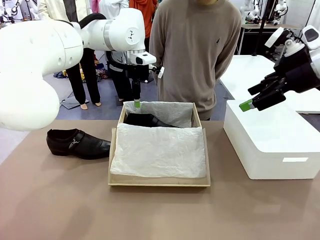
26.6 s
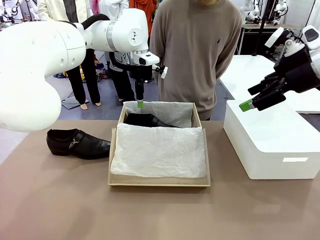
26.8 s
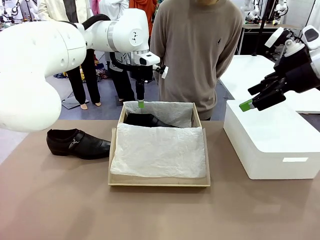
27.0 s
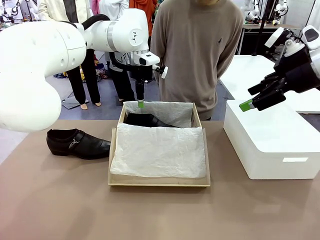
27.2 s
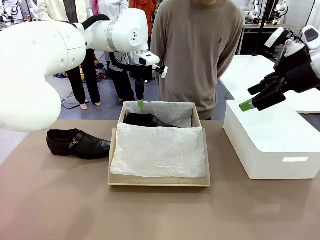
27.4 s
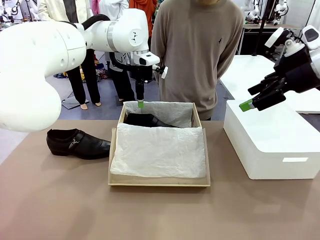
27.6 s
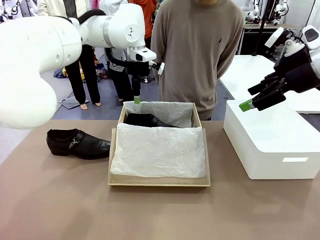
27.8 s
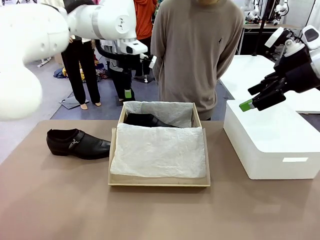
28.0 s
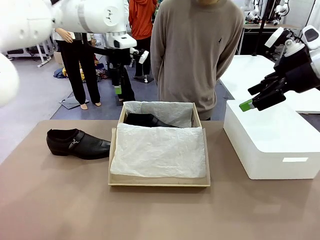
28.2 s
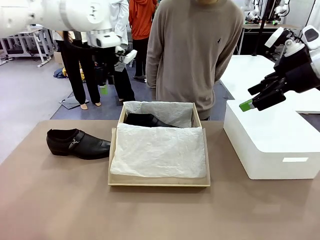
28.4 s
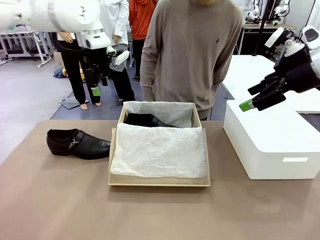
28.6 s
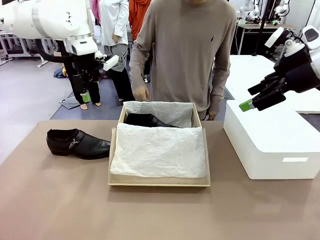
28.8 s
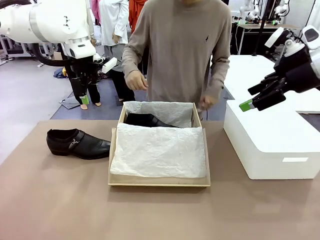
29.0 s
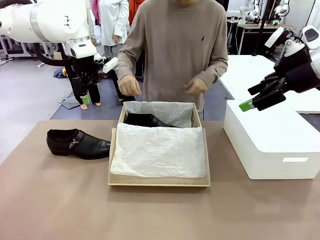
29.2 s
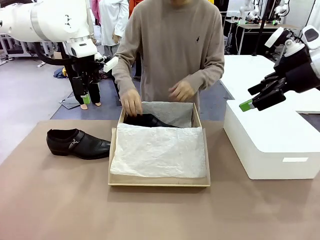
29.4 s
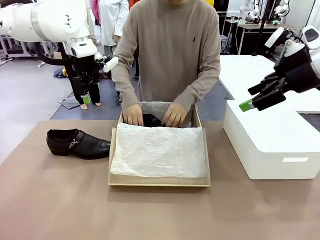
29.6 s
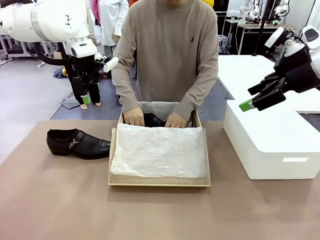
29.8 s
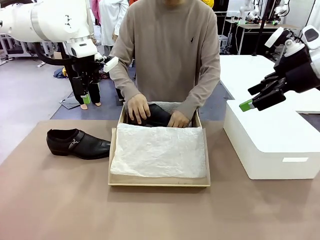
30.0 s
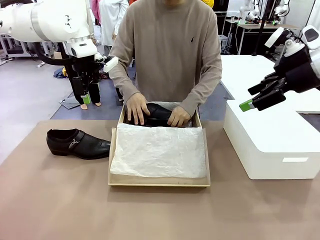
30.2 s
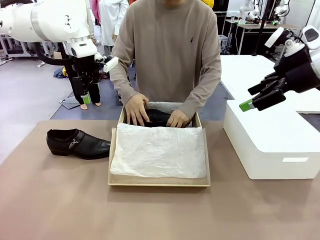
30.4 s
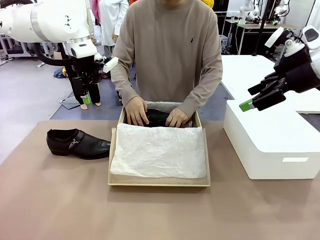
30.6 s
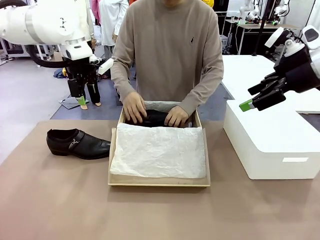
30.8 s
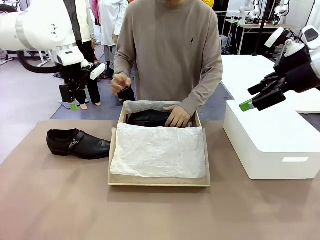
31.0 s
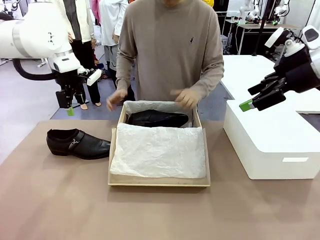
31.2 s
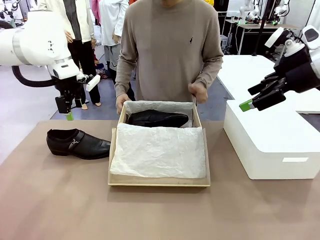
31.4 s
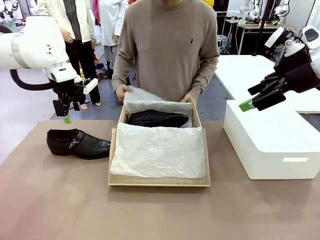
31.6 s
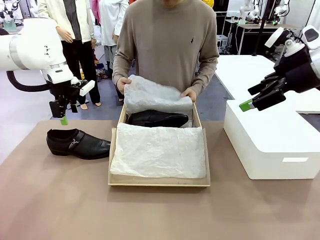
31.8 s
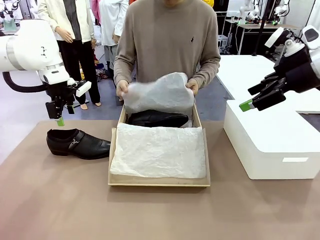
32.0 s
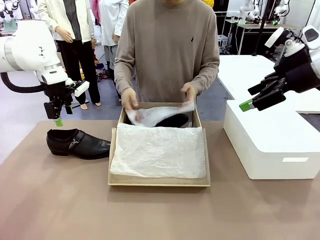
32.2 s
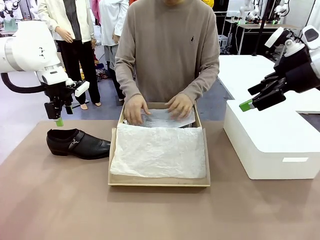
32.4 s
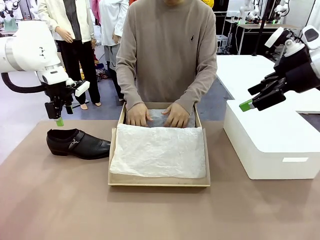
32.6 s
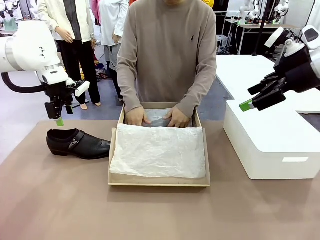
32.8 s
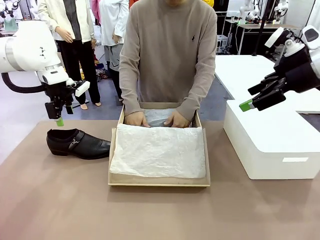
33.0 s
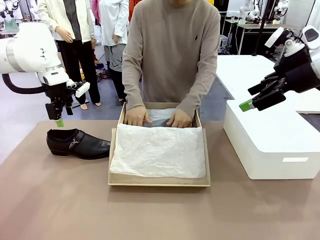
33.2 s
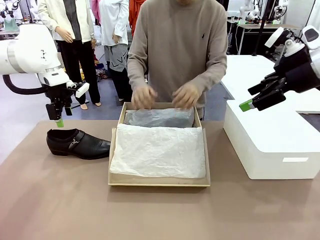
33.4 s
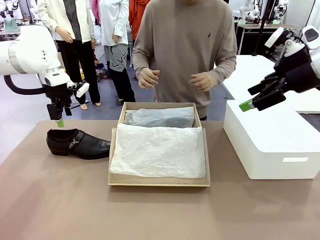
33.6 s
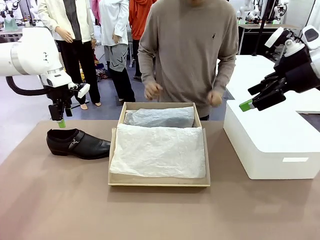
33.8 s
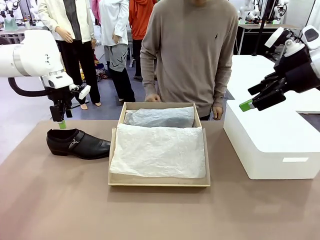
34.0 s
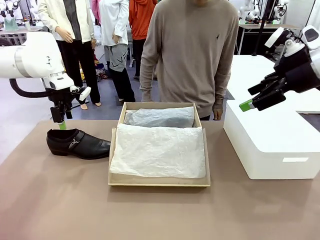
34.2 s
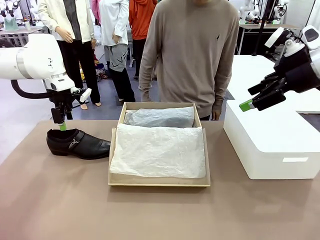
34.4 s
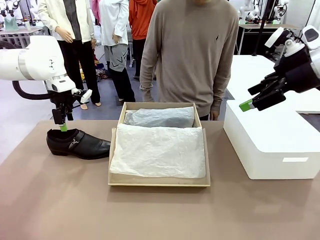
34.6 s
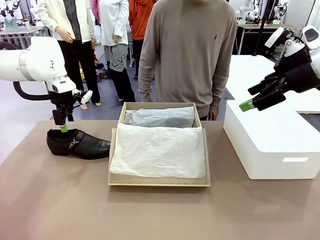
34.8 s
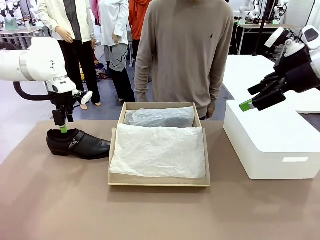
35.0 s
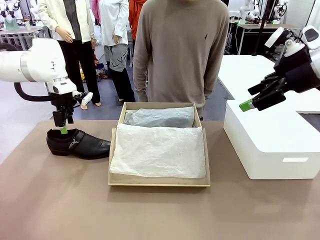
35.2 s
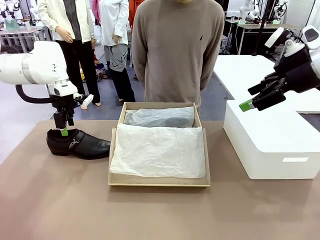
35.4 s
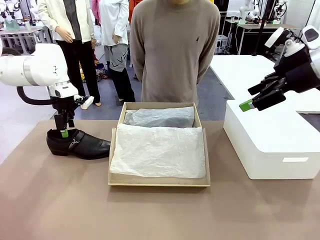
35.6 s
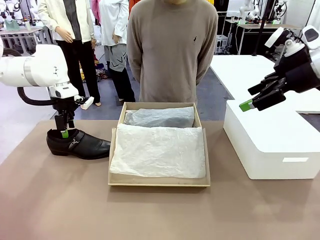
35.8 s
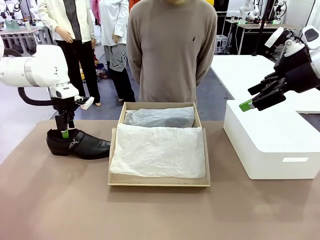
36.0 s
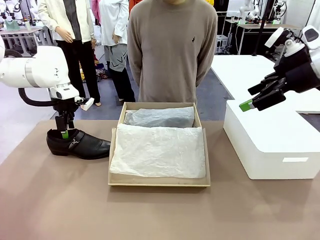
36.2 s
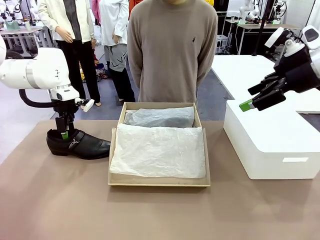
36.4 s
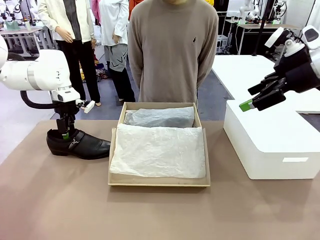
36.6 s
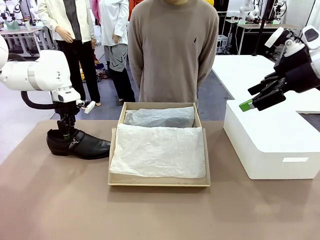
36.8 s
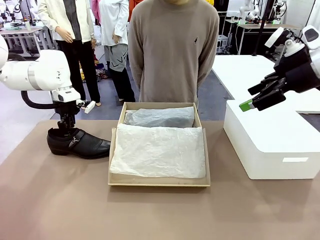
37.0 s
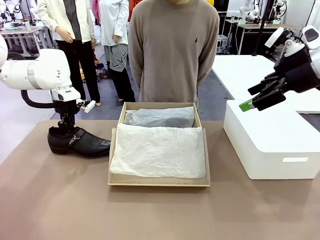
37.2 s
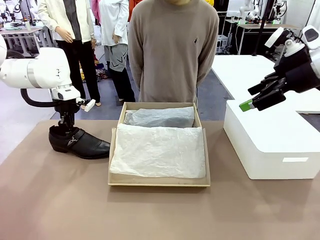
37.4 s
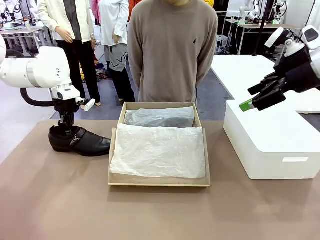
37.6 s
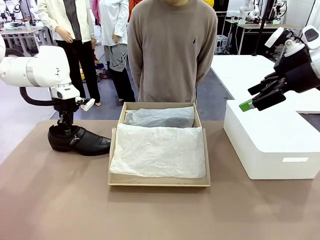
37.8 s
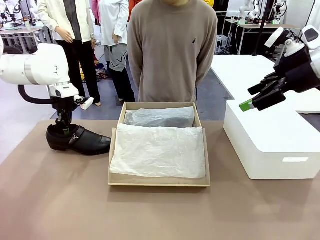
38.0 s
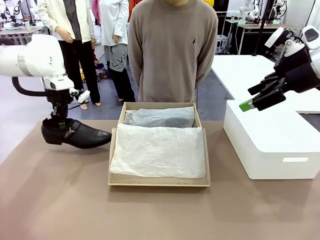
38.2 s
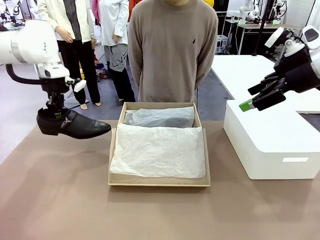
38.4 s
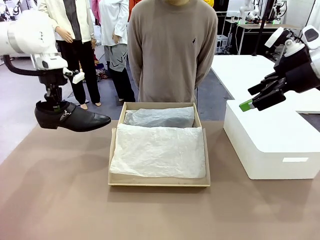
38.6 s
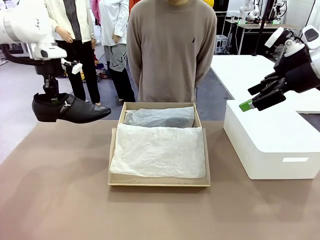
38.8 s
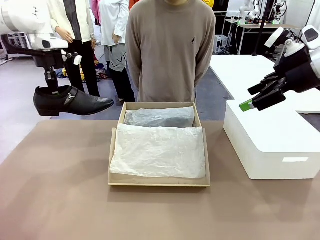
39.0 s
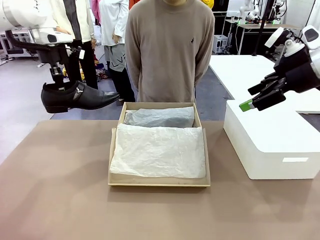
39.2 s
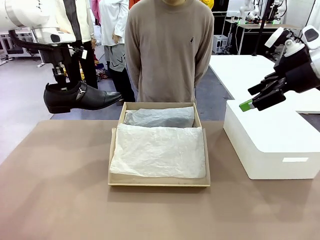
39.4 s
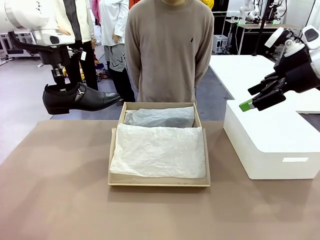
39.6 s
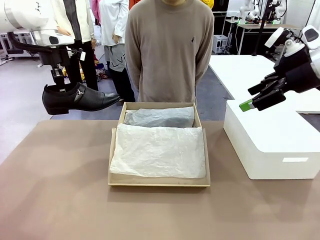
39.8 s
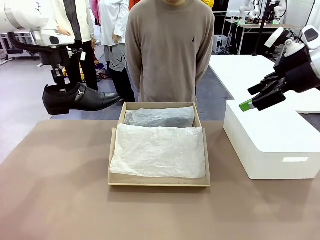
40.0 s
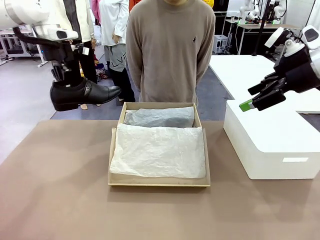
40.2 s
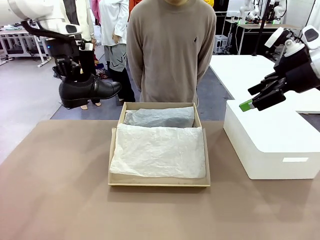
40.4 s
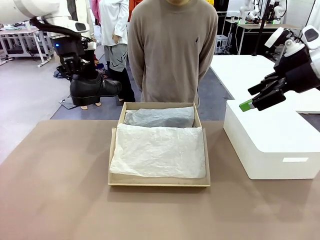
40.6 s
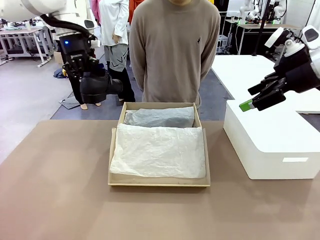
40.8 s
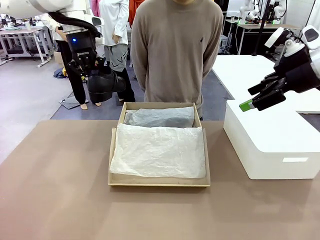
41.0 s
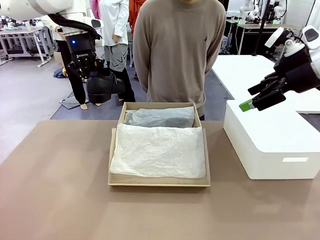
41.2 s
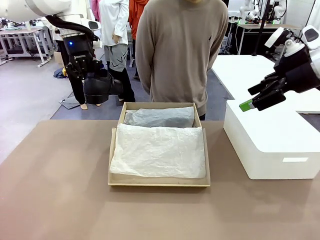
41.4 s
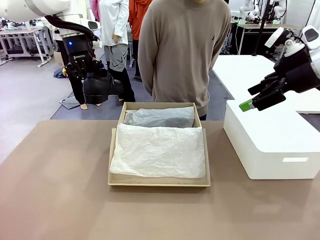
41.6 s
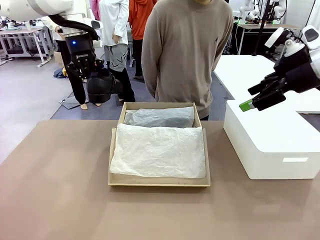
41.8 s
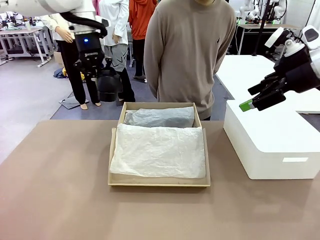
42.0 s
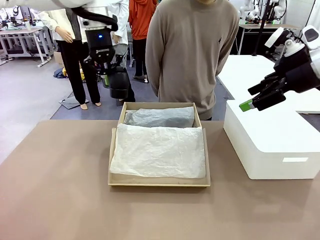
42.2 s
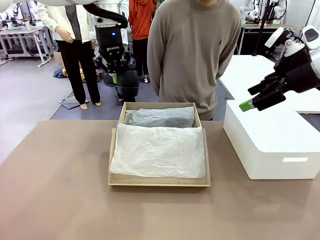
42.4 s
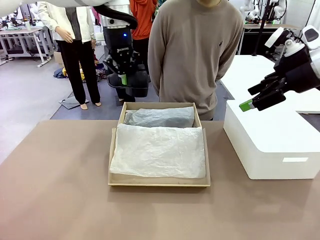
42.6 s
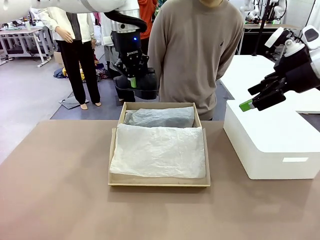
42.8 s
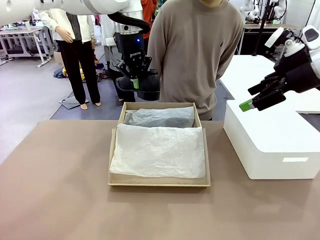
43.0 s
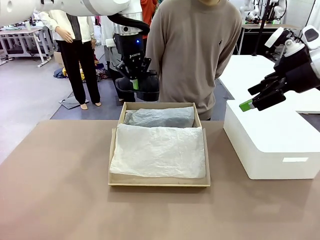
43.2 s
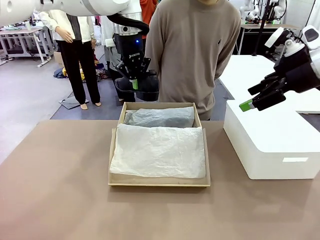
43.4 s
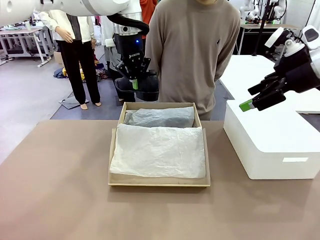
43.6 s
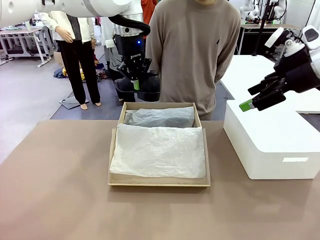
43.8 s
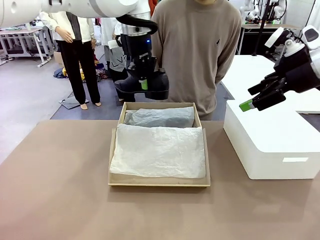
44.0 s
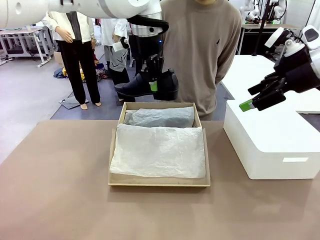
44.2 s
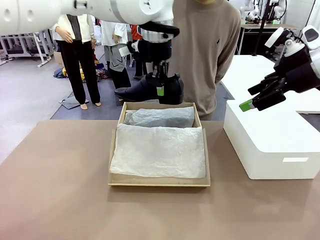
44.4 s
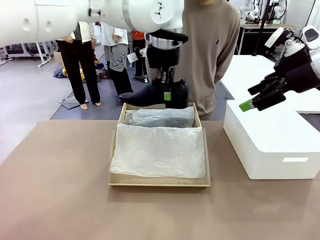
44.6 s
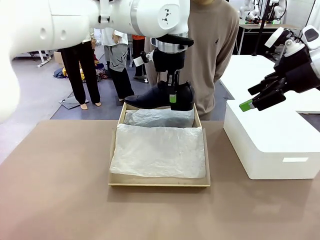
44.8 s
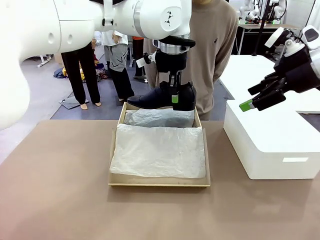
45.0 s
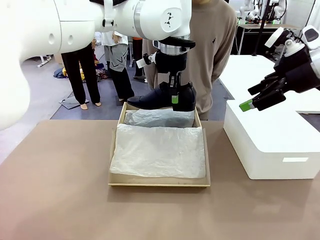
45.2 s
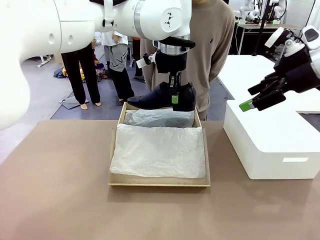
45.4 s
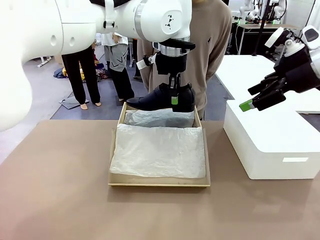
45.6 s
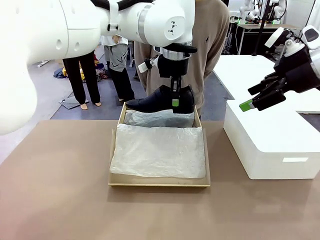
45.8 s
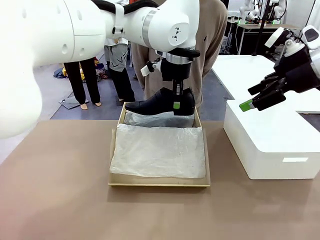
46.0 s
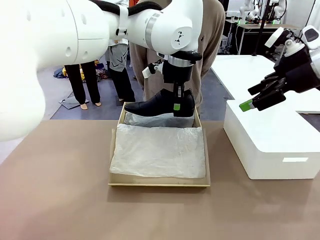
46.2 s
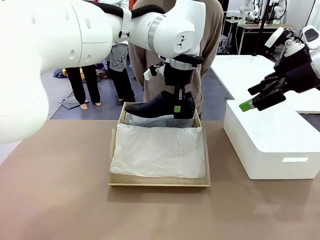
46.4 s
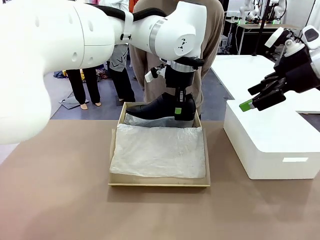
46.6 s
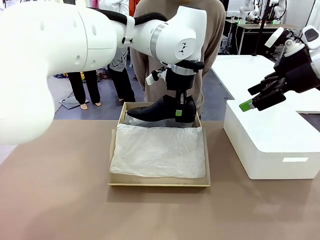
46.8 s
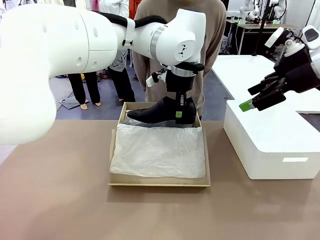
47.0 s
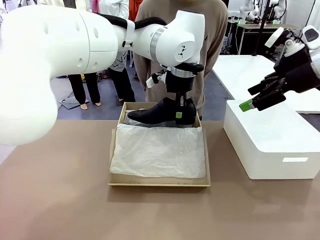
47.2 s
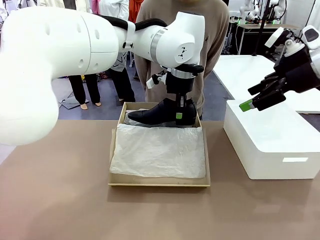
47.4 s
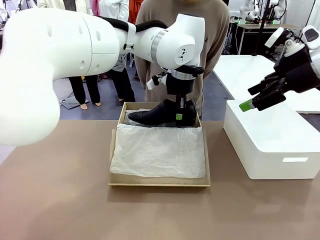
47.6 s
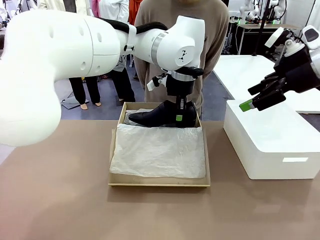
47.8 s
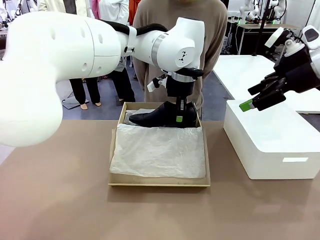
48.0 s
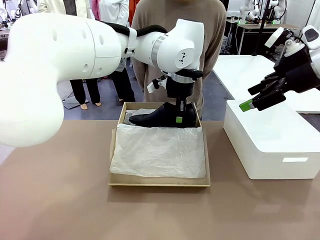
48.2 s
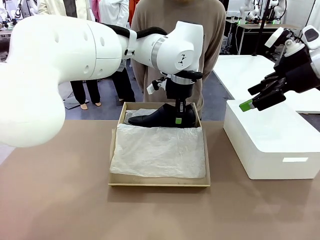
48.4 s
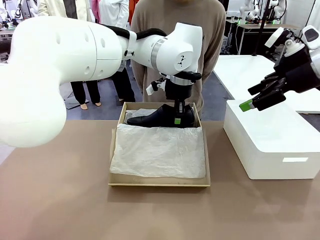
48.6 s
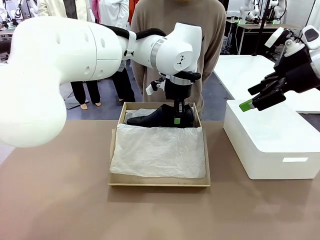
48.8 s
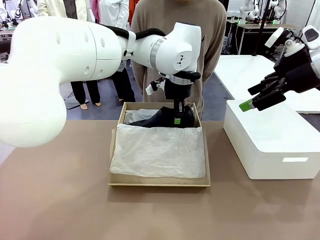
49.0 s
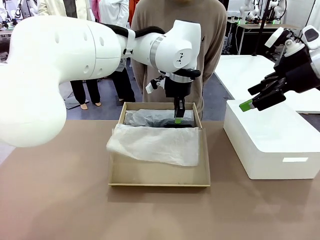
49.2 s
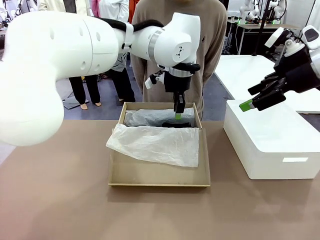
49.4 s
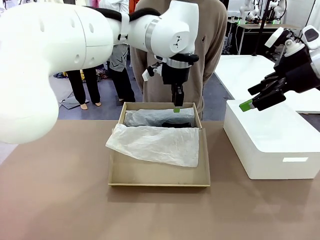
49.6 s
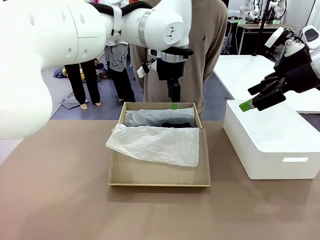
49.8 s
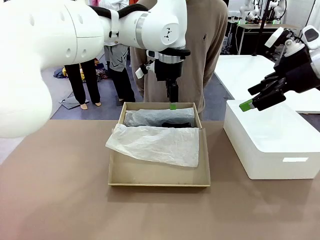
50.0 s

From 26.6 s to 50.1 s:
Task: Pack the shoes into the box.
Robot: Place the other shoe of the Shoes into the Shoes Box.
Person: Pack a shoe of Shoes inside the Shoes Box with Shoes Wrapping Paper.
